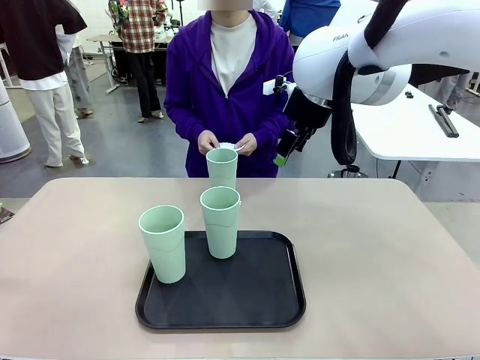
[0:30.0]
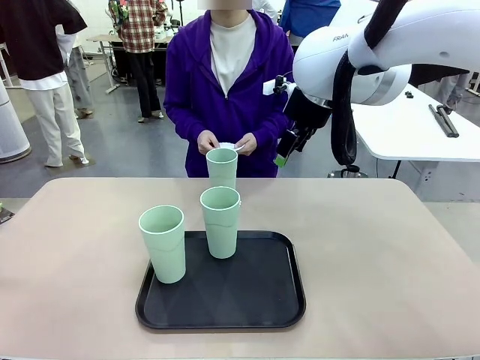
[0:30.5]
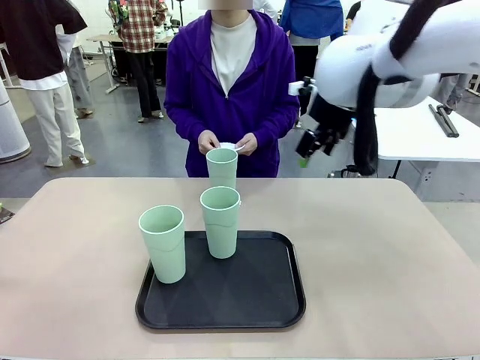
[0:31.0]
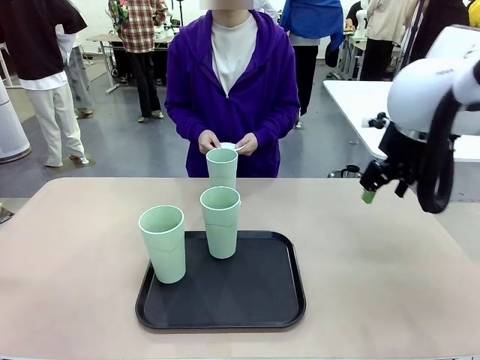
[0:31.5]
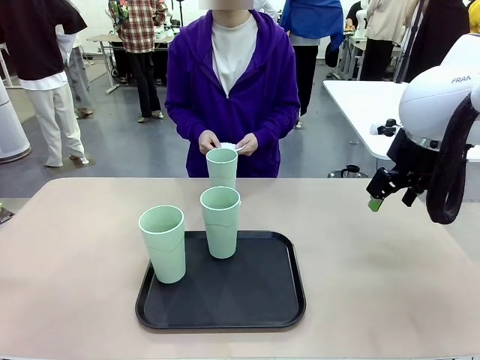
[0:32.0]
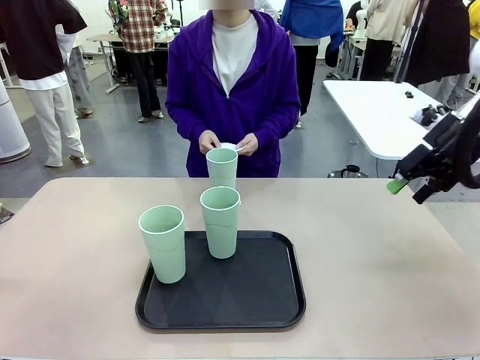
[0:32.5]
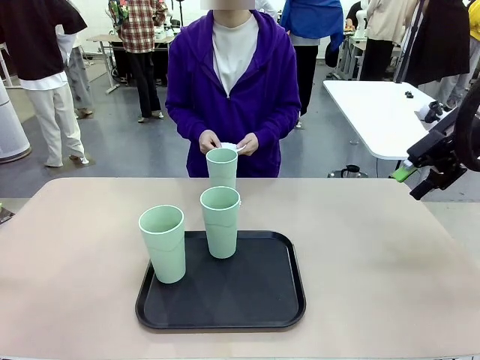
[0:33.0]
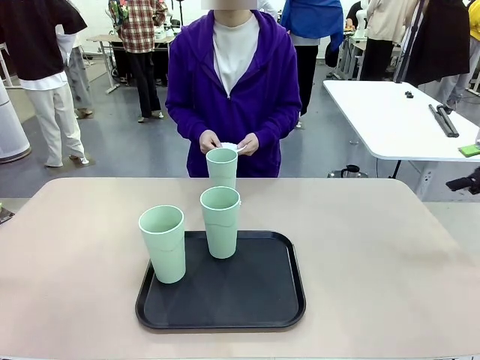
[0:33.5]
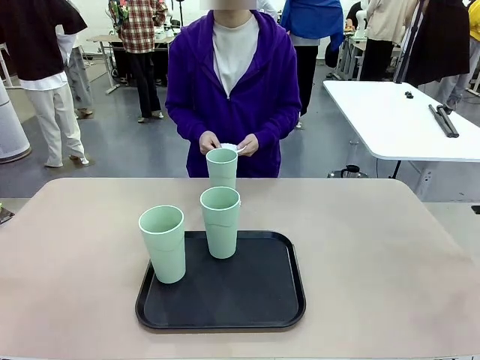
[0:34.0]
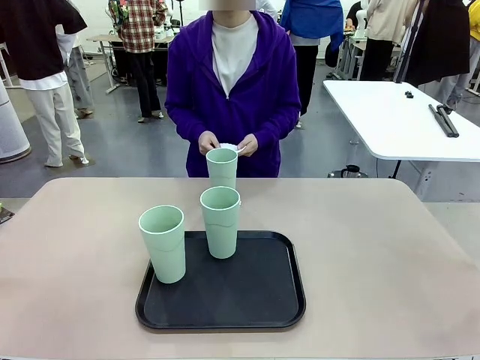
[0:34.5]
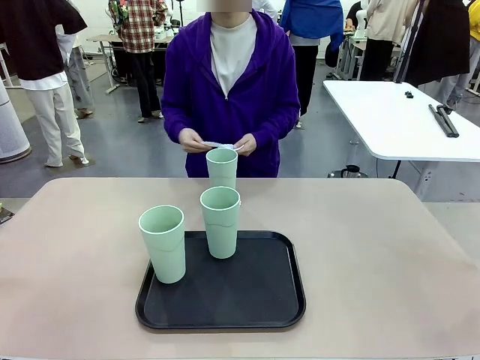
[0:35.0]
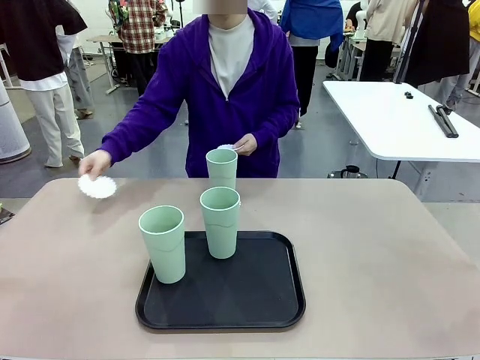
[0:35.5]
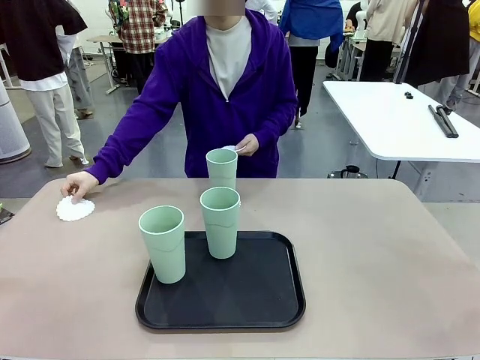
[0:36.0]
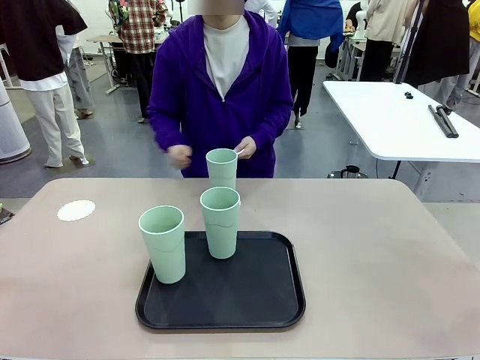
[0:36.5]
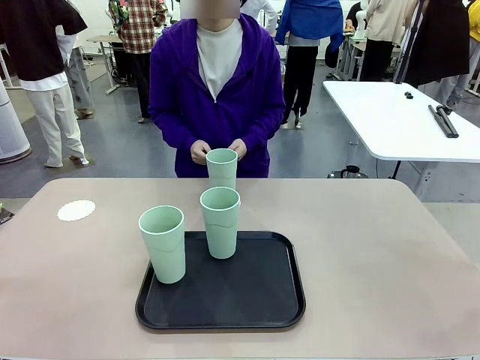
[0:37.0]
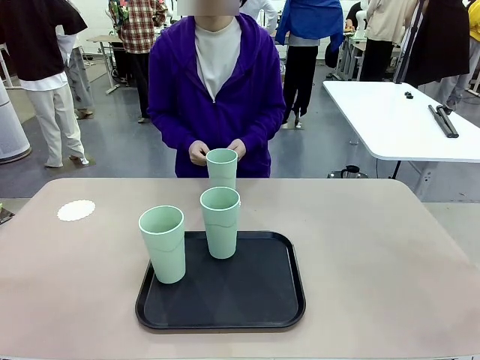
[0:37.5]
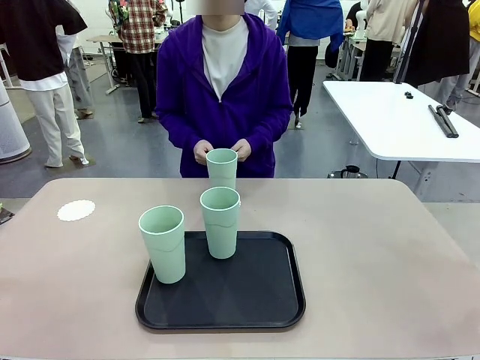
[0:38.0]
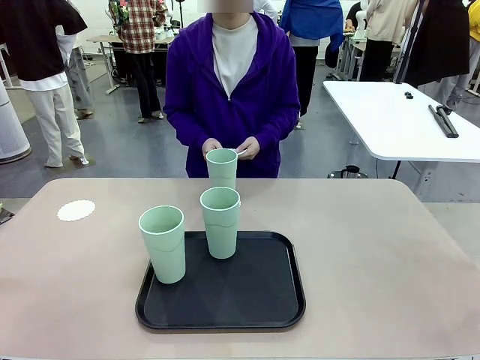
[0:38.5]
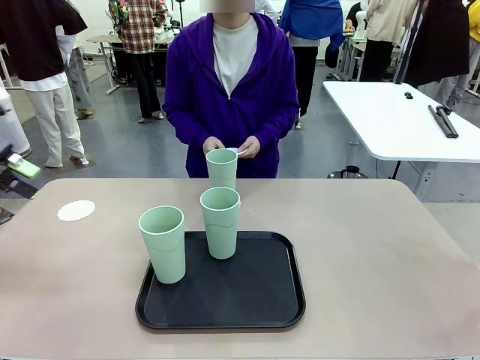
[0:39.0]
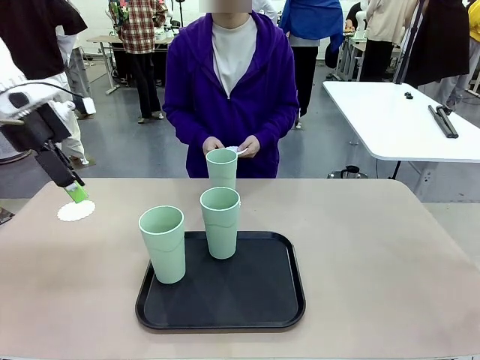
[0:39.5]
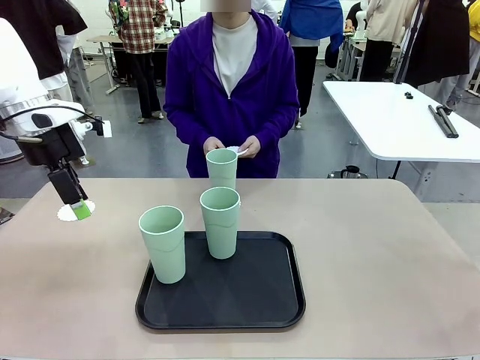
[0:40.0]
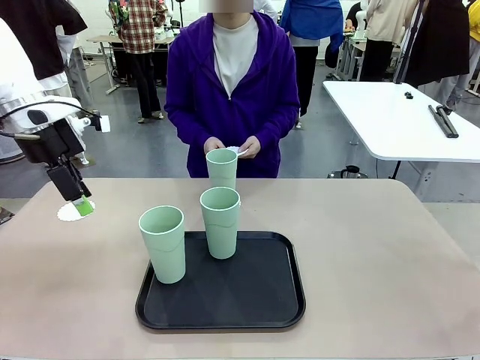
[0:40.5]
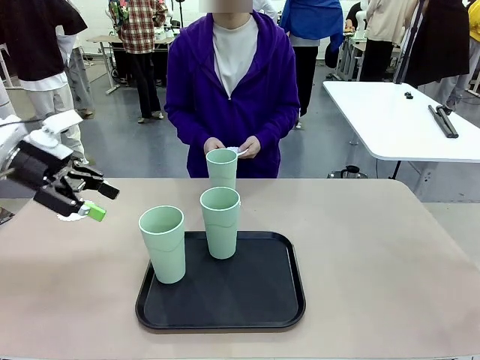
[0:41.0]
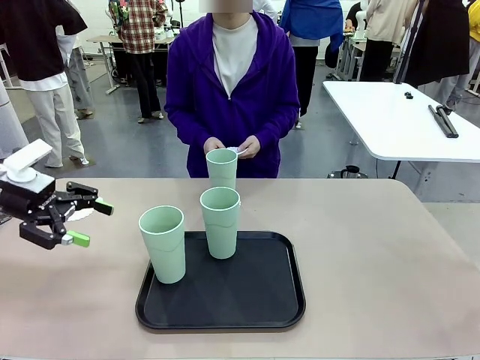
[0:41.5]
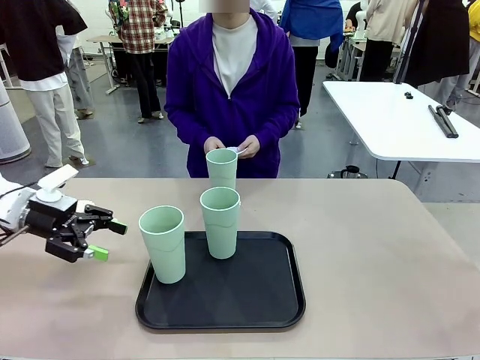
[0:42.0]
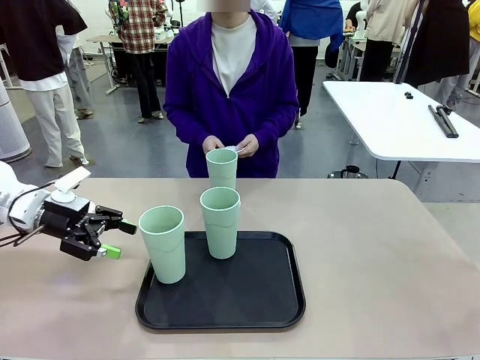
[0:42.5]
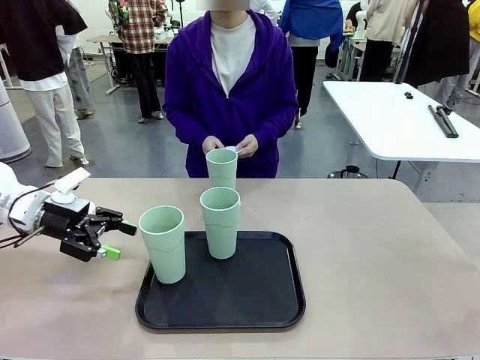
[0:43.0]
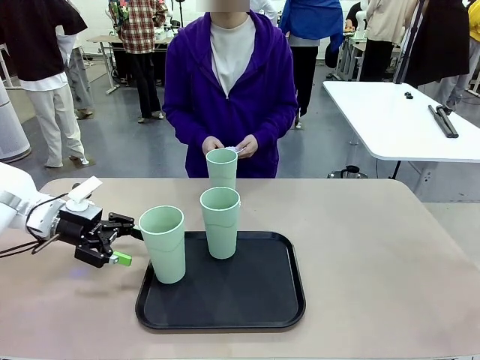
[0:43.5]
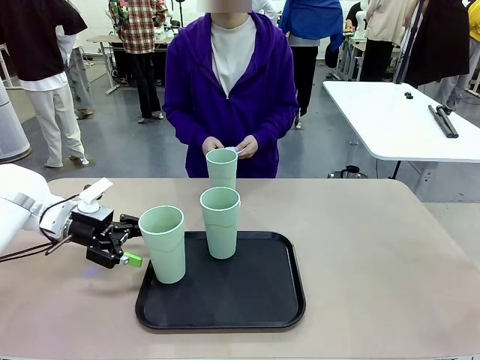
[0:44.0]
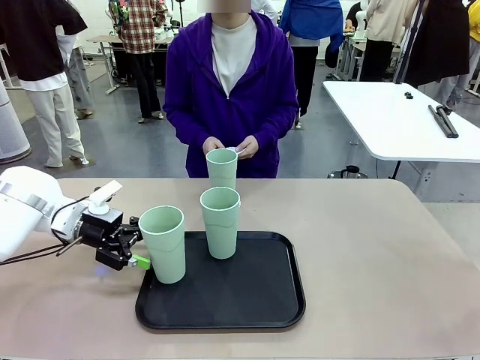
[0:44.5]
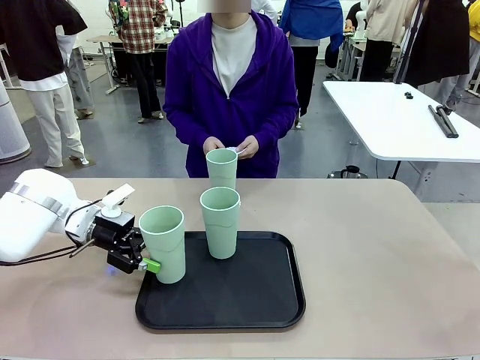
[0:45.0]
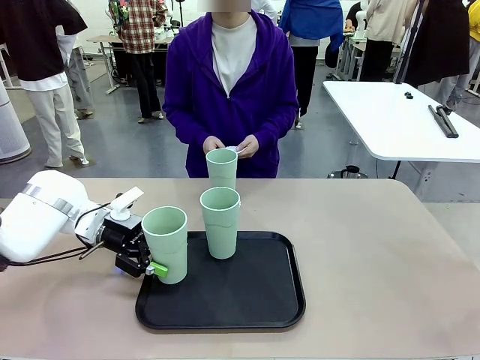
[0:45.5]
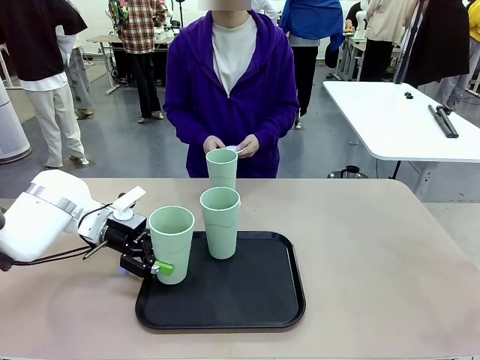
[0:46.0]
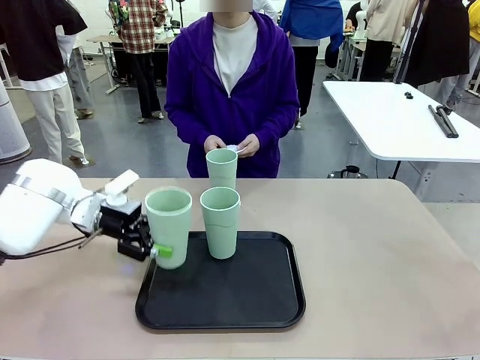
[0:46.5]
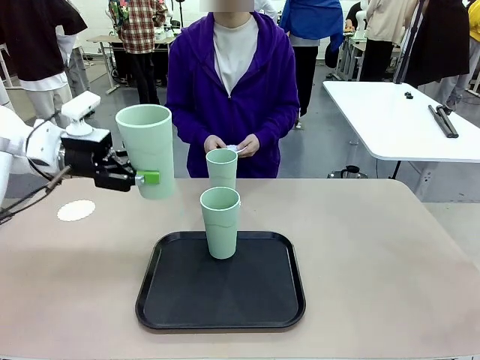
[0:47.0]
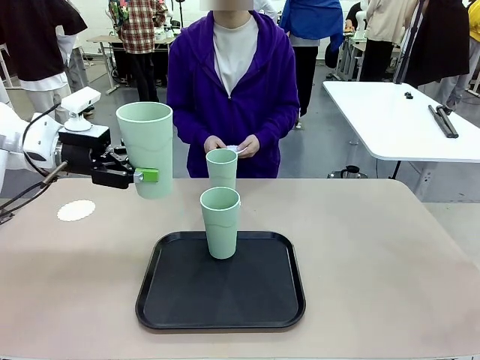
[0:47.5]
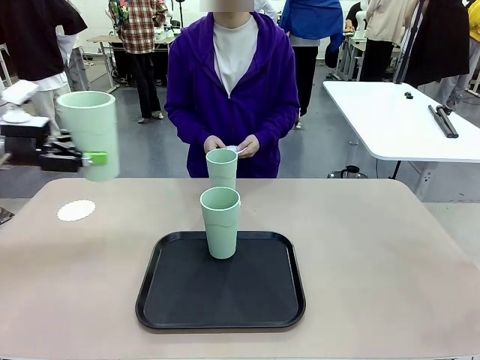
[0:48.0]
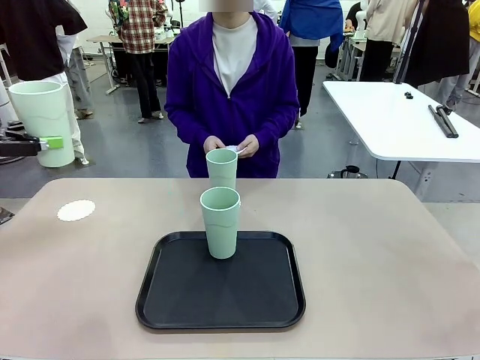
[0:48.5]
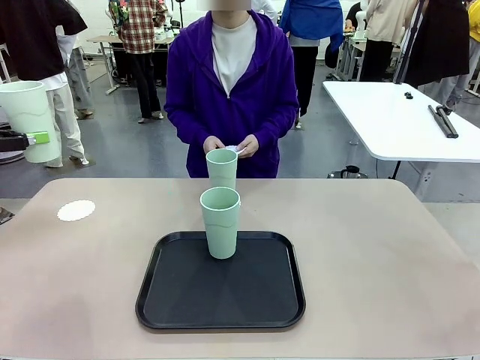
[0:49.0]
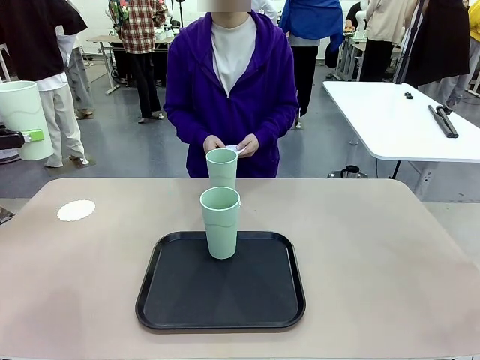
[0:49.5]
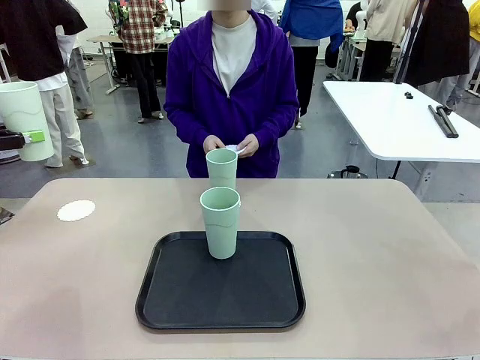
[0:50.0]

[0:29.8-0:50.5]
Task: Place coasters on the table and set cups on them.
Robot: Take one Reusable plastic cup from the Flat Tray and place it on a coaster set by the human.

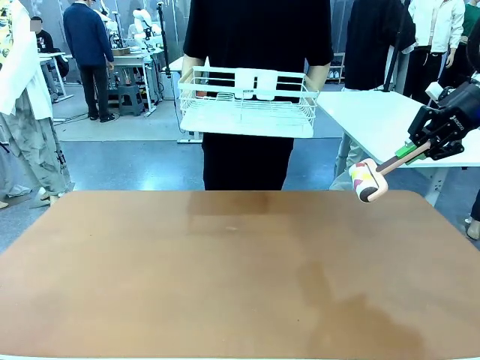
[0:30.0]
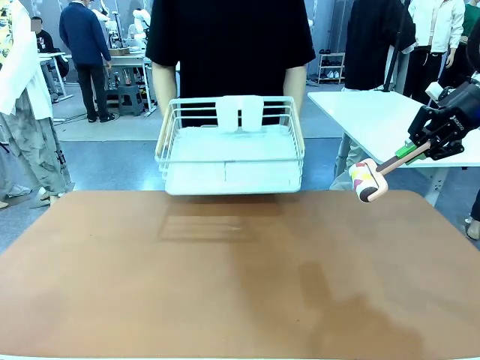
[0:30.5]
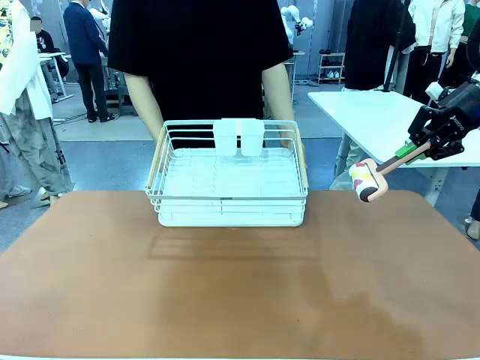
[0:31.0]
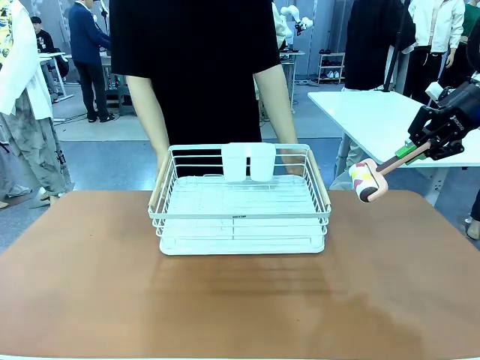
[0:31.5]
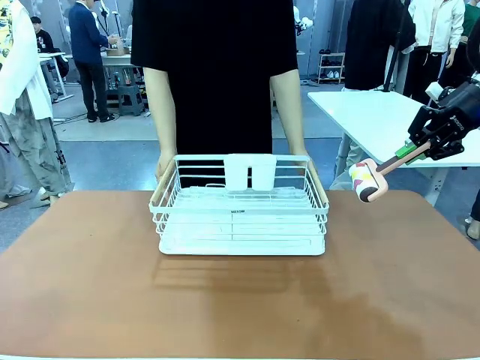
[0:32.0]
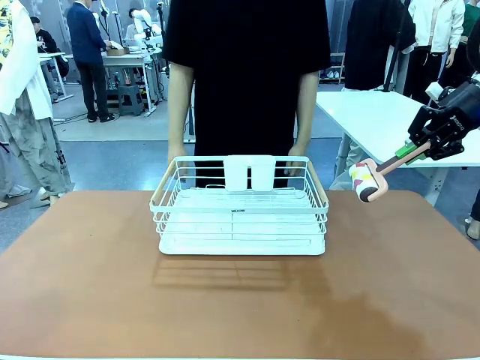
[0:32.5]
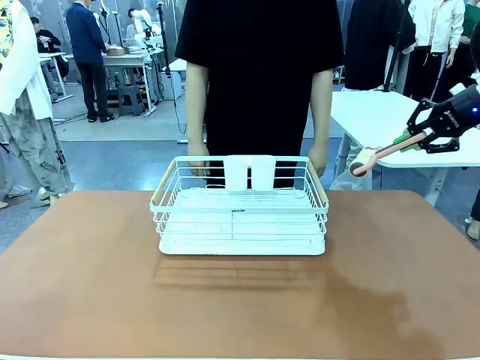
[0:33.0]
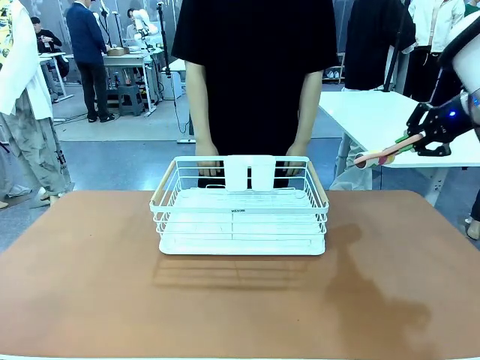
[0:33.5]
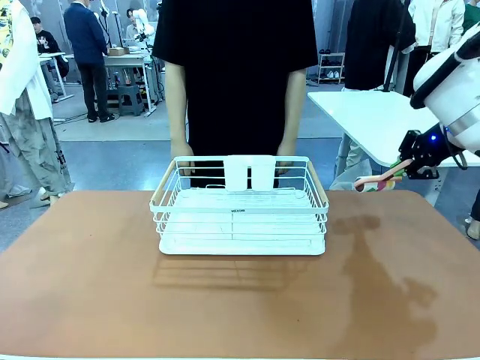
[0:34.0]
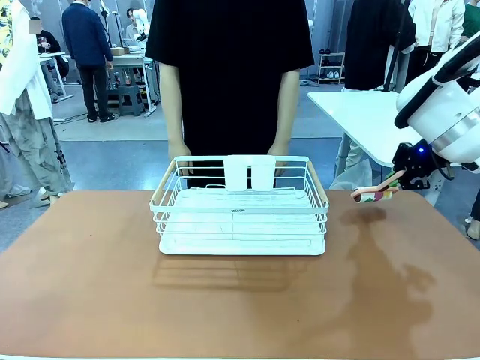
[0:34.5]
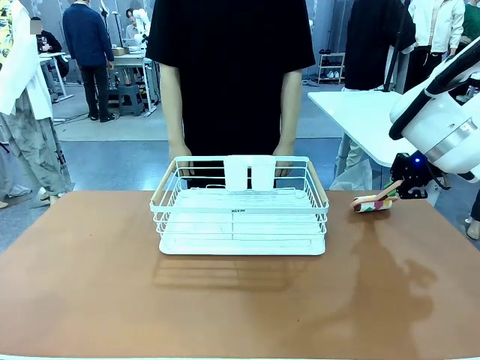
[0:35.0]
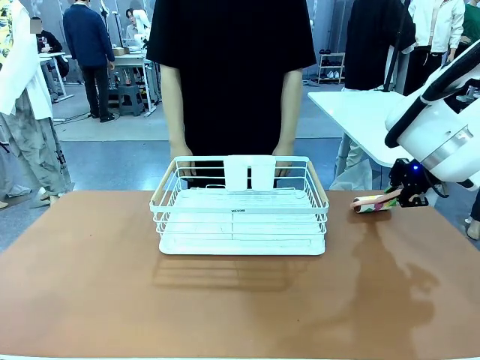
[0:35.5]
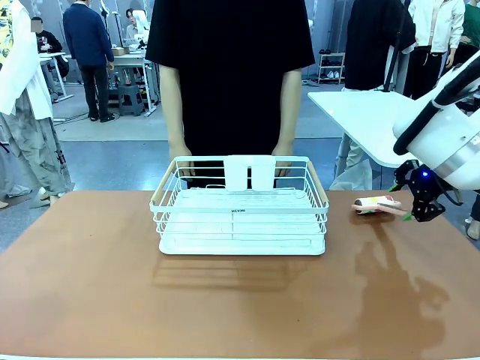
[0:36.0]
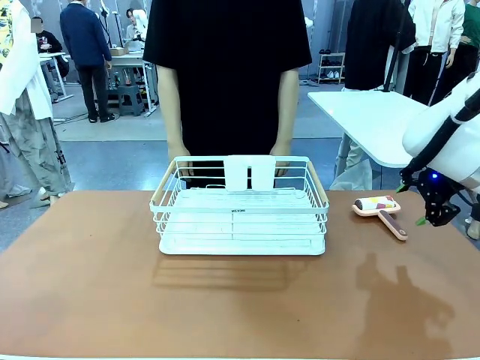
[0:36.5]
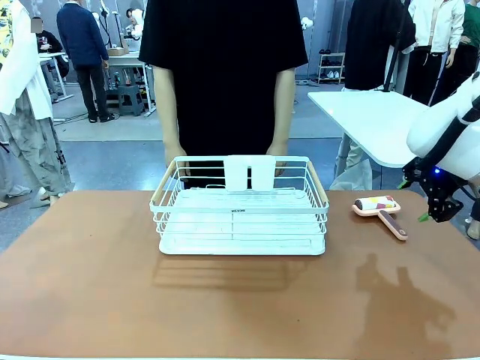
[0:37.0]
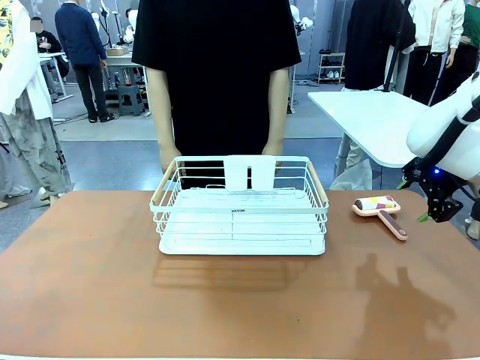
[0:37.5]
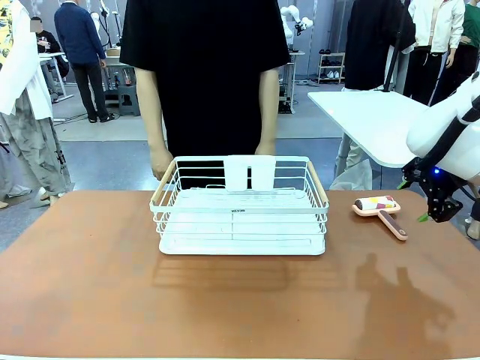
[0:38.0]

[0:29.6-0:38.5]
Task: Clean the table.
Robot: Place the Lint Roller down when the Dish drying rack is positioned in the middle of the table.
